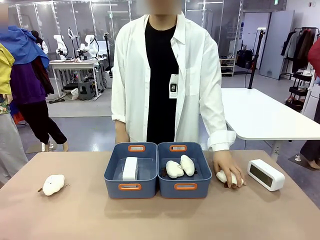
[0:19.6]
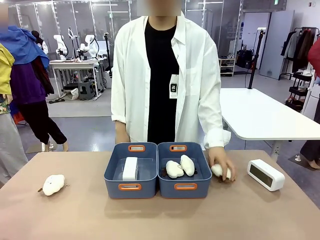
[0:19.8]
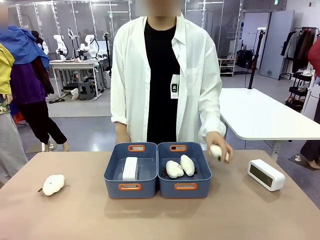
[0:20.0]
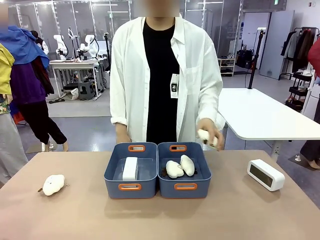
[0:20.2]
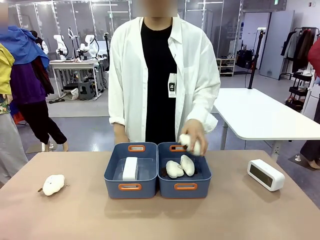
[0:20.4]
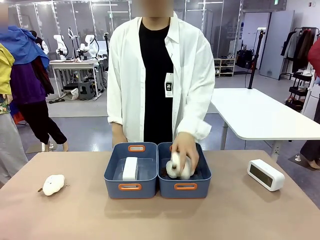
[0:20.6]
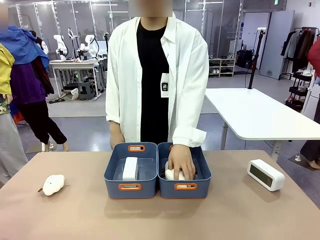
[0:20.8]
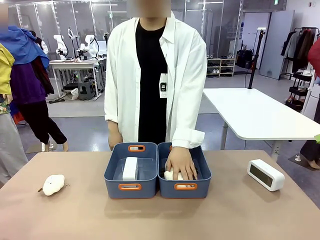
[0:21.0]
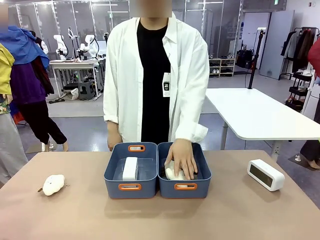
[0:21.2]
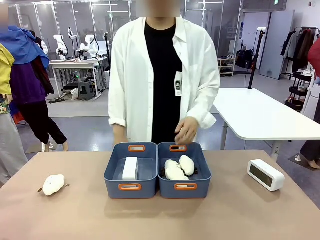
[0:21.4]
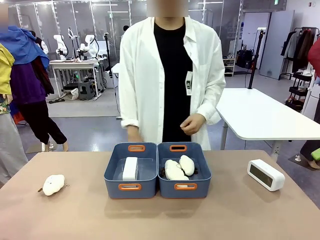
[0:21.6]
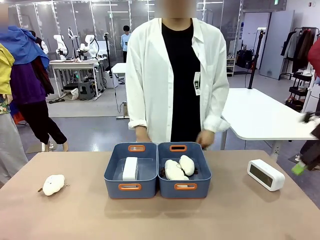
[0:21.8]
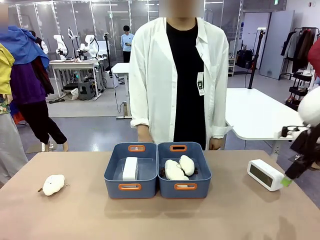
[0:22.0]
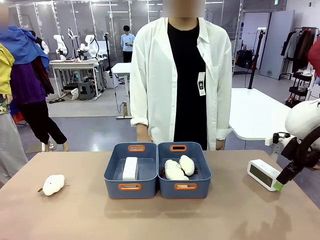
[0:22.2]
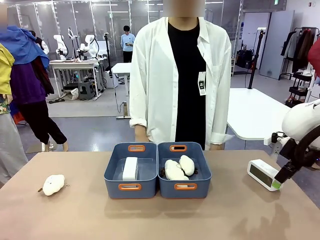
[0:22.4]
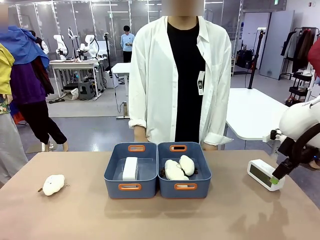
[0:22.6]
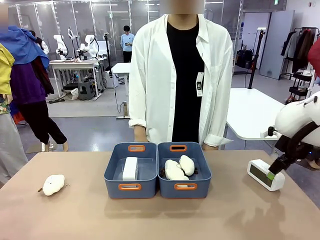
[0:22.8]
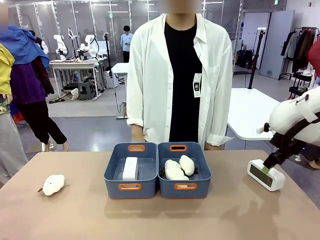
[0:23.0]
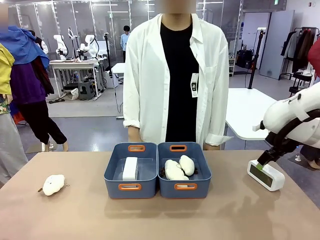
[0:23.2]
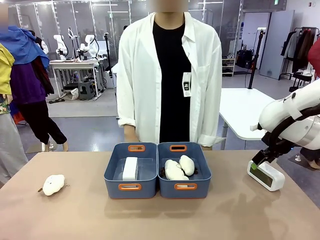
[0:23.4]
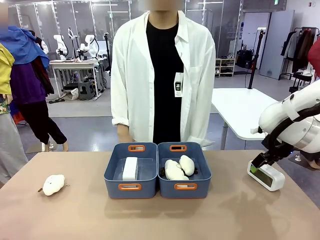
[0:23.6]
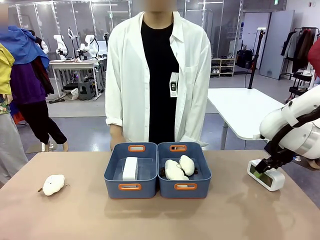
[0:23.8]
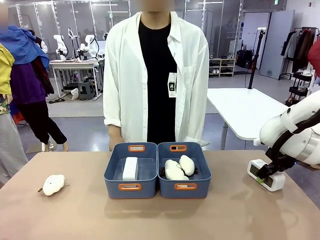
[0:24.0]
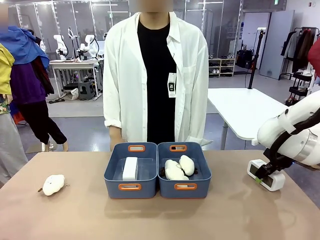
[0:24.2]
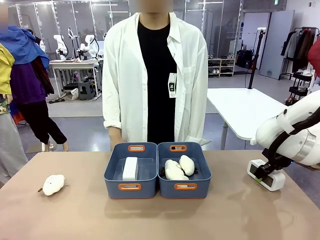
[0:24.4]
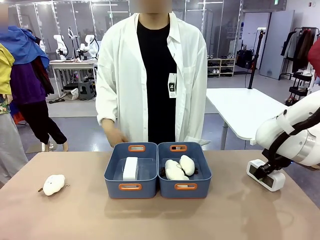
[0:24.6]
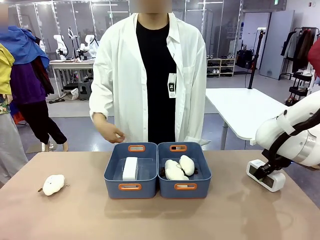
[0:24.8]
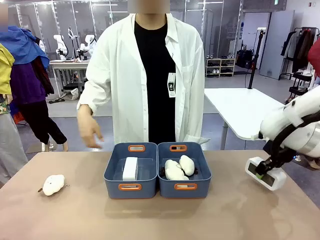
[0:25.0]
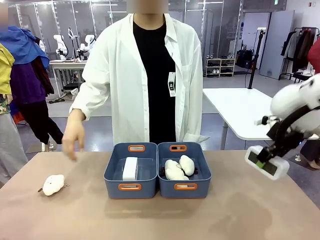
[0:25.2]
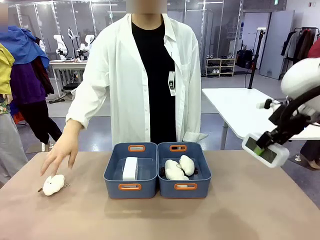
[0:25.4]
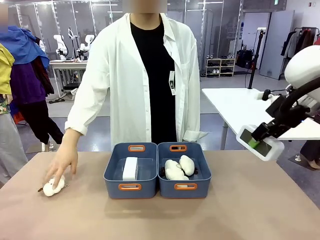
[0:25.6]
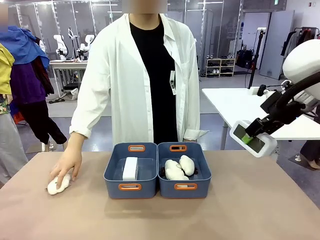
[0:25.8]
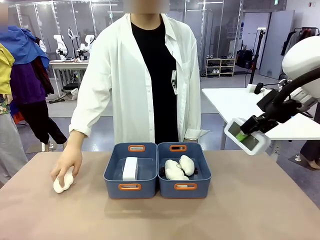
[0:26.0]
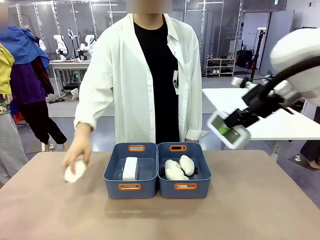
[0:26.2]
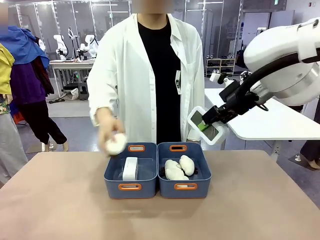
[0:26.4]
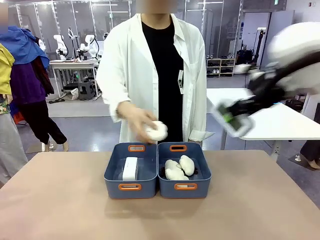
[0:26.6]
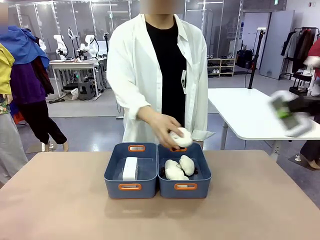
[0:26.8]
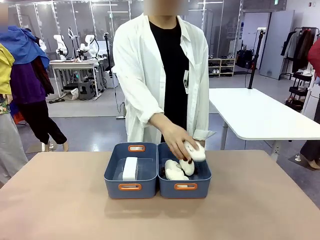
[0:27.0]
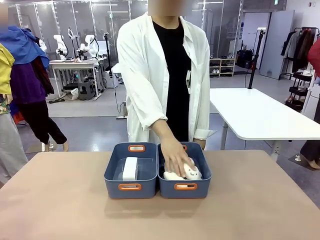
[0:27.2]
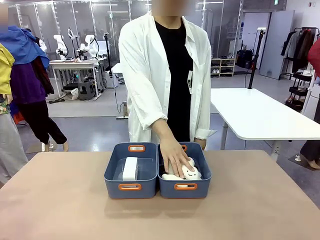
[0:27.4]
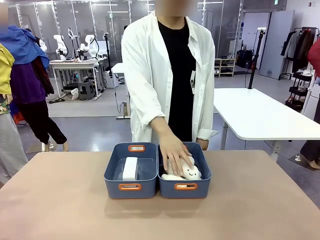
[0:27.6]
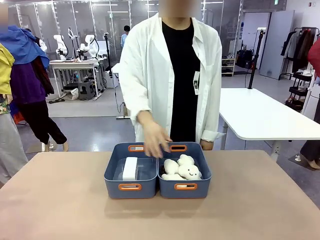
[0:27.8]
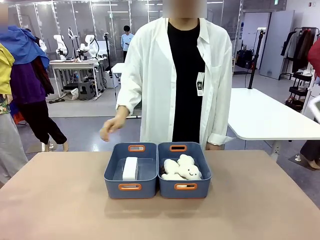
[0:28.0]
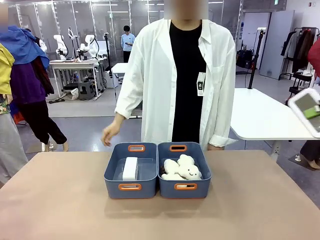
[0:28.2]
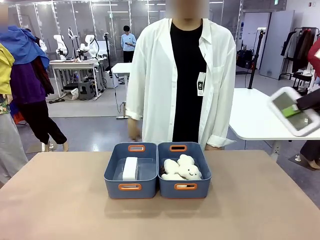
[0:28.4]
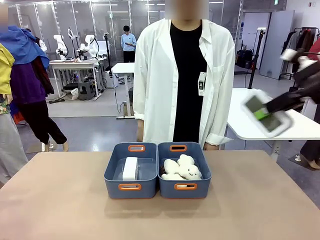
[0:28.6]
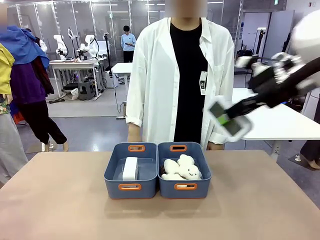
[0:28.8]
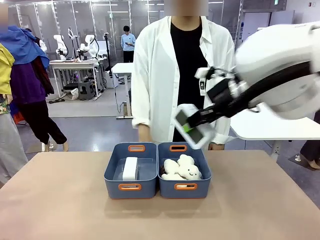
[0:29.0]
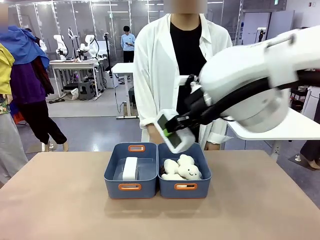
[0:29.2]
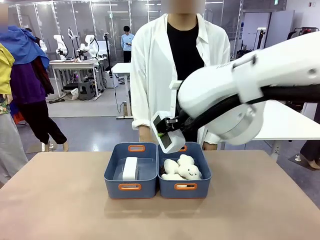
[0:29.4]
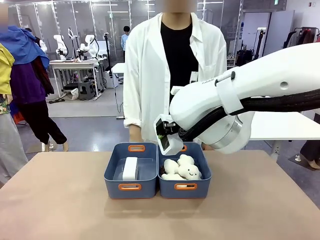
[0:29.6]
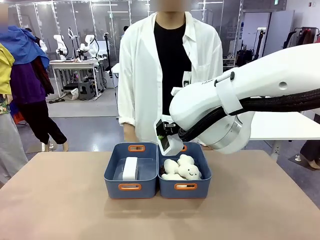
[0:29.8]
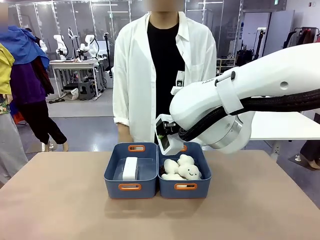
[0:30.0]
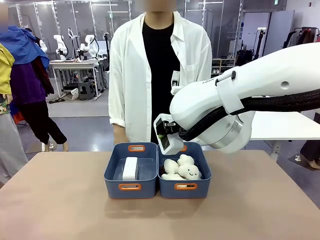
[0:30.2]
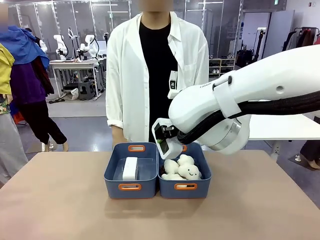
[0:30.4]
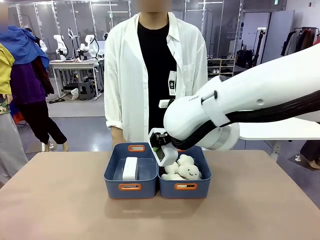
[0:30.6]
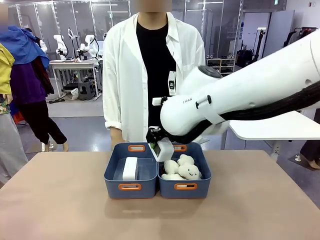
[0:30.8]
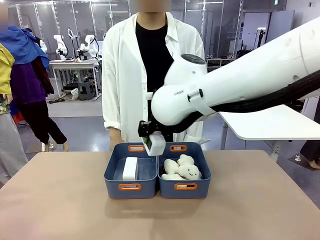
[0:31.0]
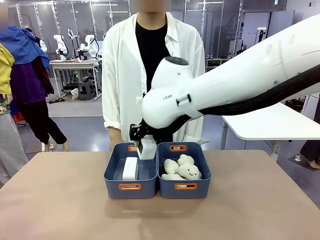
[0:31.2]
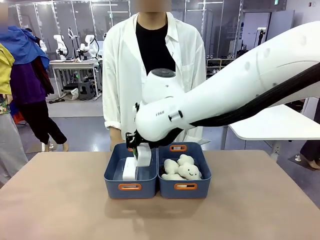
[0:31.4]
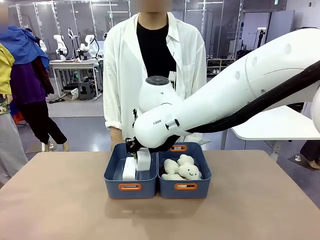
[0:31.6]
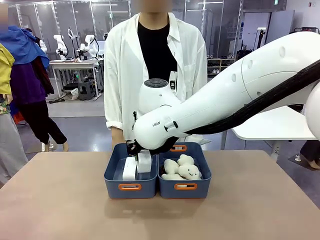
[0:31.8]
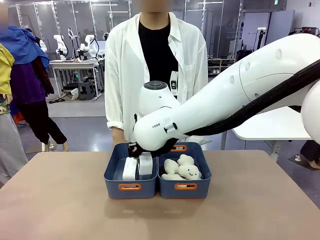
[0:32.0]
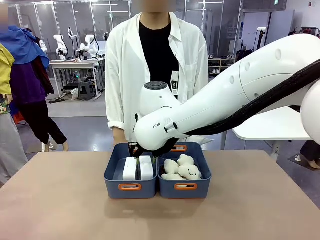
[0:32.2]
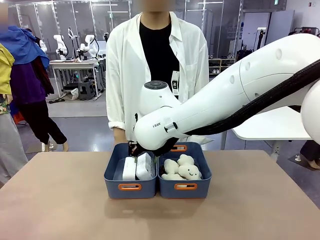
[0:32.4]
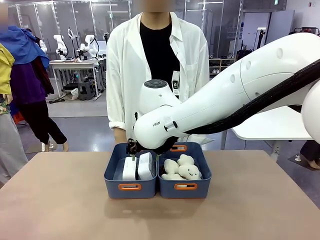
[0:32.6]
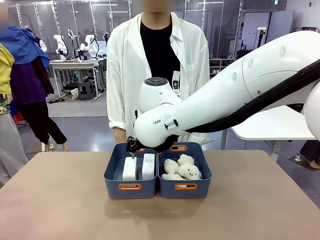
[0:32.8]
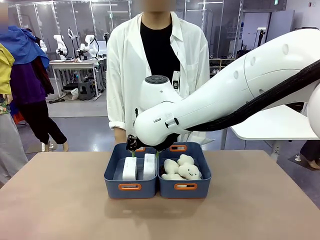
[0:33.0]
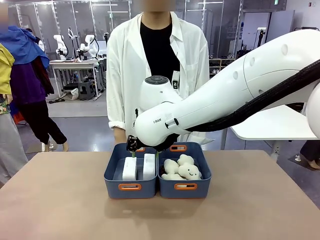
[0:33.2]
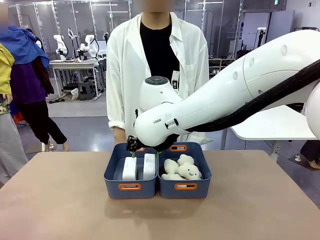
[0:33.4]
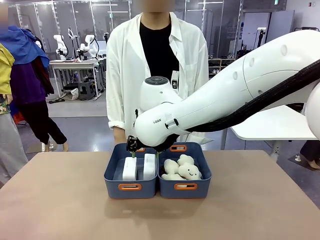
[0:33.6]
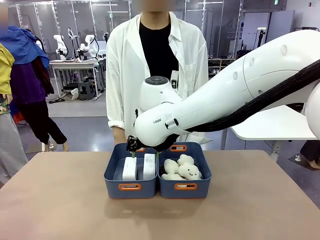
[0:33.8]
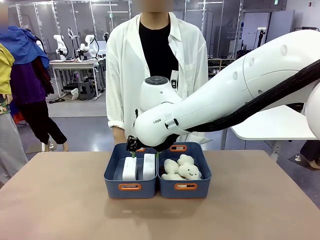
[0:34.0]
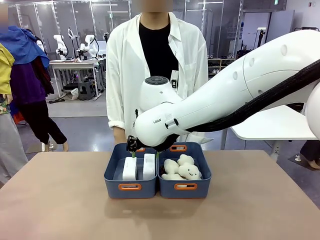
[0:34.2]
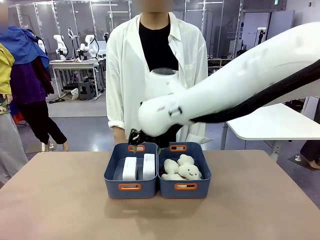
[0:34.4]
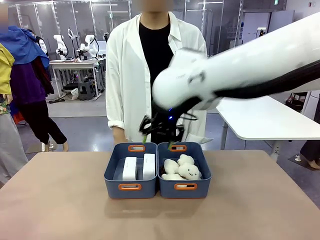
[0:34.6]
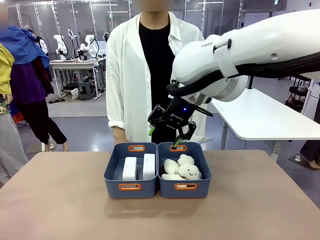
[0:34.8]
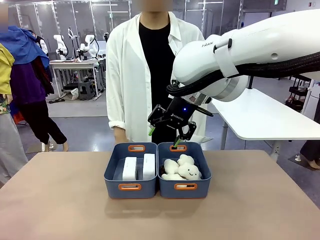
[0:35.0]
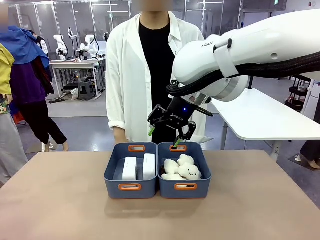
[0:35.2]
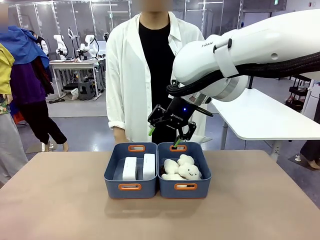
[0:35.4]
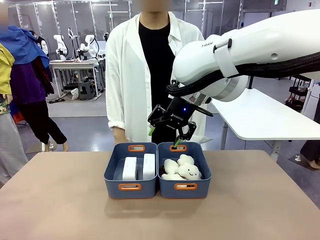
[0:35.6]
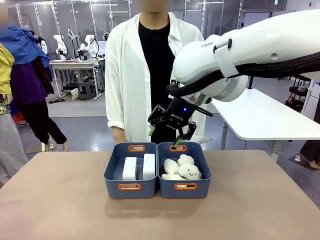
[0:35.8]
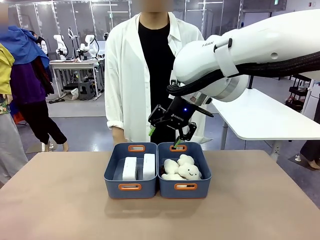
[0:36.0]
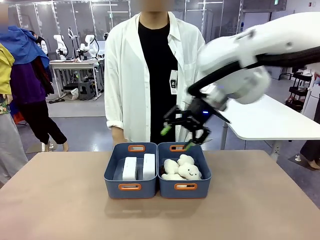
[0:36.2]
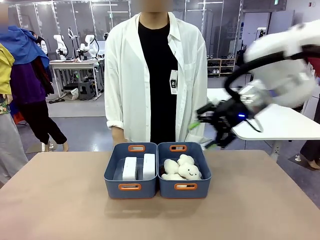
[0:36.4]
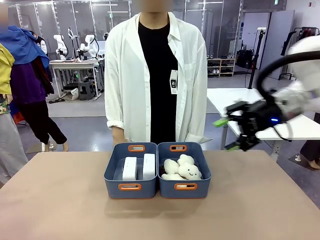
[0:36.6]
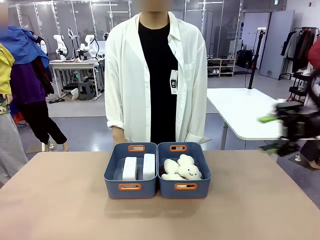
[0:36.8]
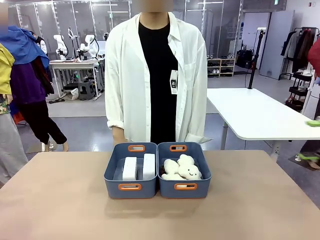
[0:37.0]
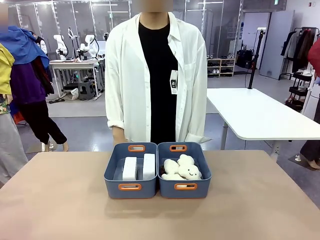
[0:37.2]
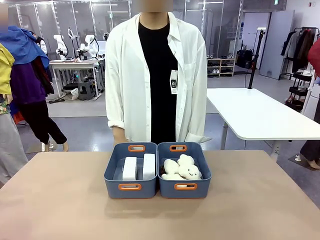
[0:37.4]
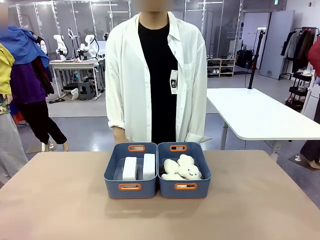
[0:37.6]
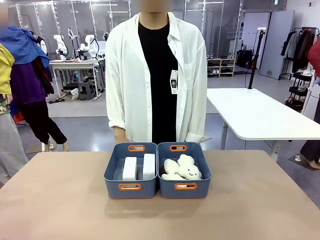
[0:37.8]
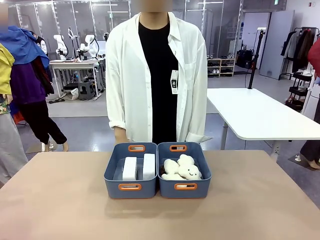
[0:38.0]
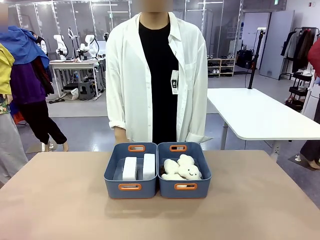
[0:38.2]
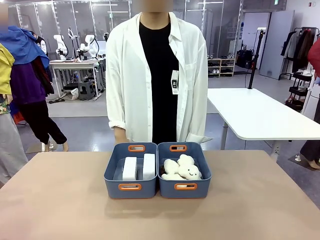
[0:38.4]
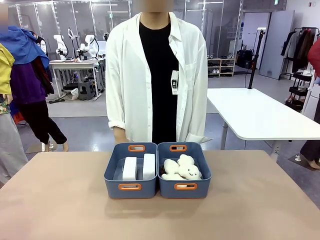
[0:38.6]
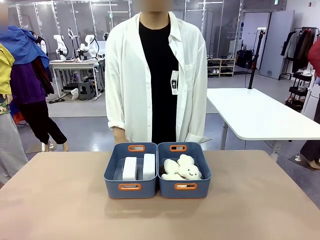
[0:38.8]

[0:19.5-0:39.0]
Task: Sort the digital clocks into the basket.
Robot: Pick up the Digital clock from the table and place it into the empty Plastic storage basket.
Person: Pick up a plush toy from the table and place it in the plastic storage basket containing the plush toy.
